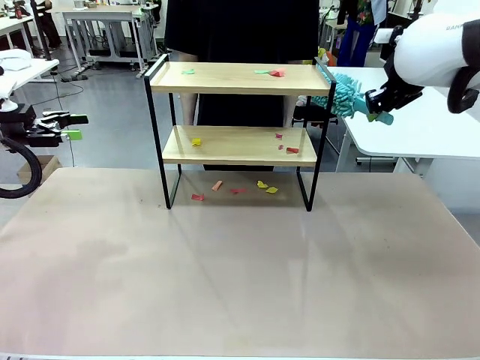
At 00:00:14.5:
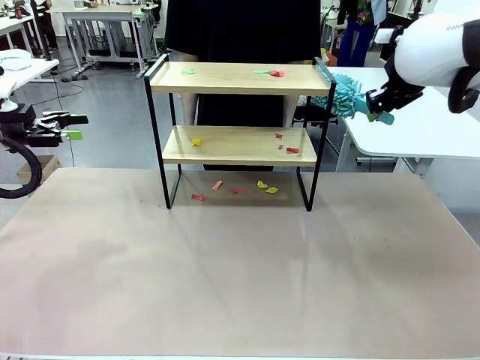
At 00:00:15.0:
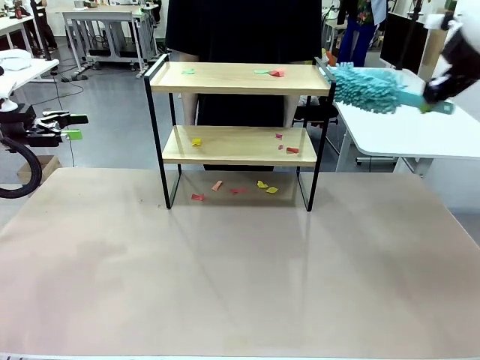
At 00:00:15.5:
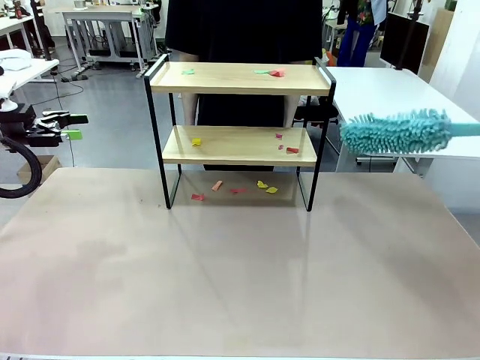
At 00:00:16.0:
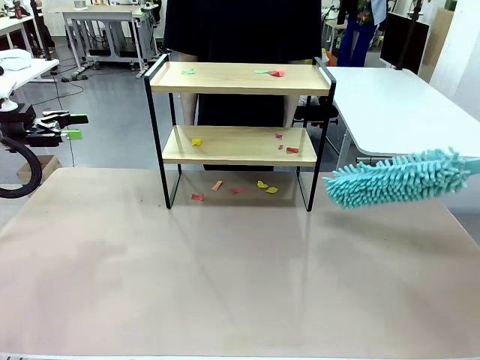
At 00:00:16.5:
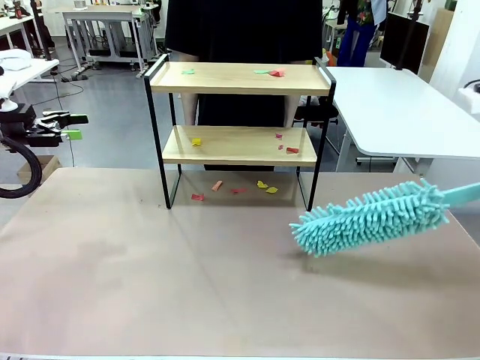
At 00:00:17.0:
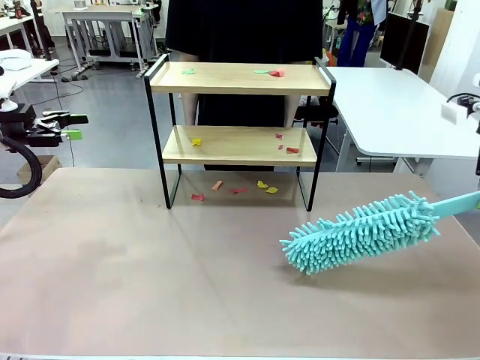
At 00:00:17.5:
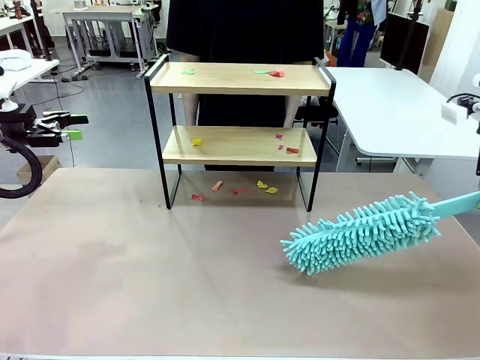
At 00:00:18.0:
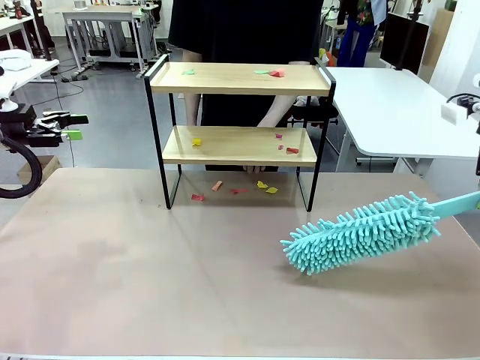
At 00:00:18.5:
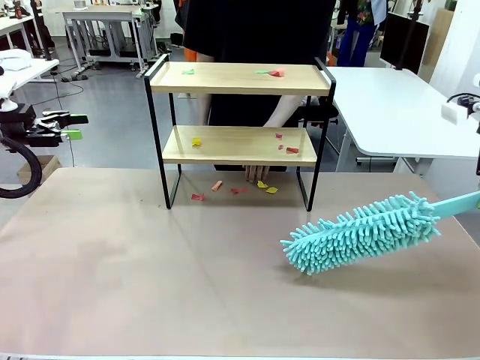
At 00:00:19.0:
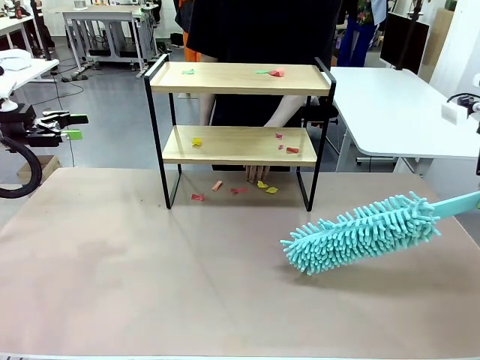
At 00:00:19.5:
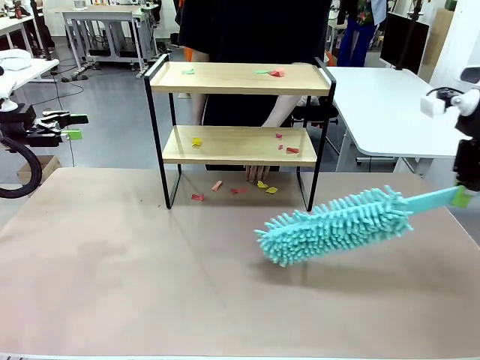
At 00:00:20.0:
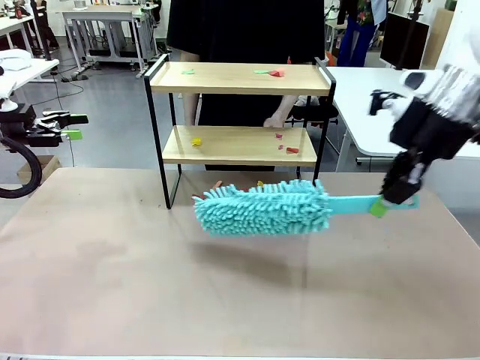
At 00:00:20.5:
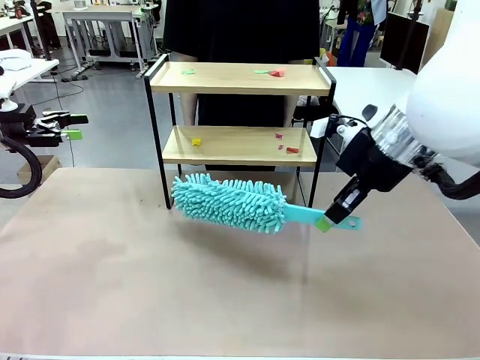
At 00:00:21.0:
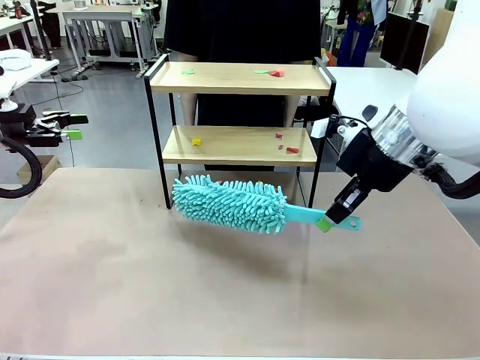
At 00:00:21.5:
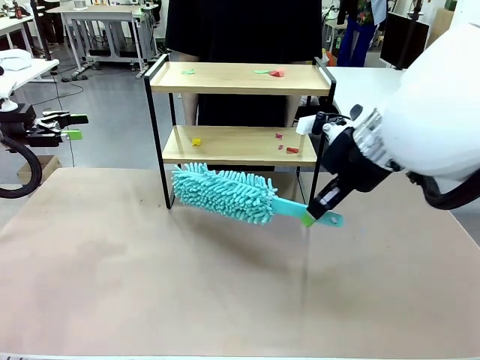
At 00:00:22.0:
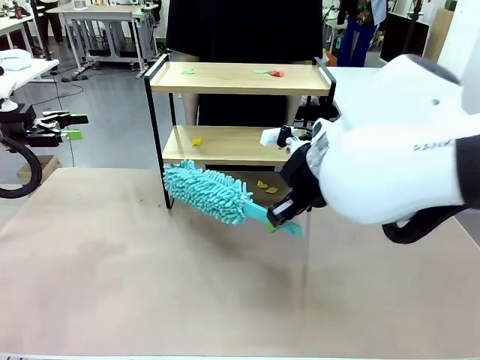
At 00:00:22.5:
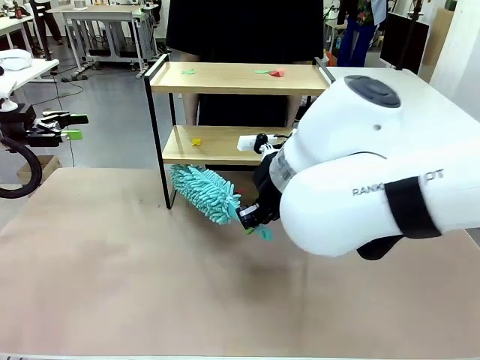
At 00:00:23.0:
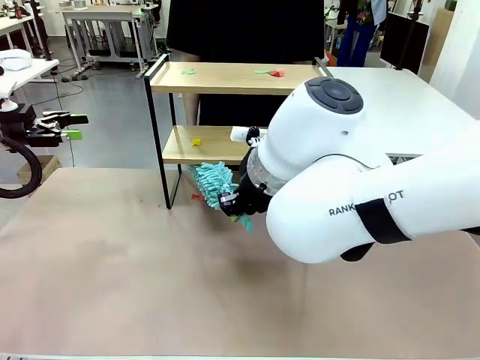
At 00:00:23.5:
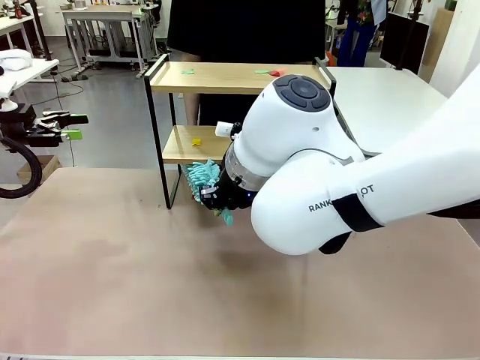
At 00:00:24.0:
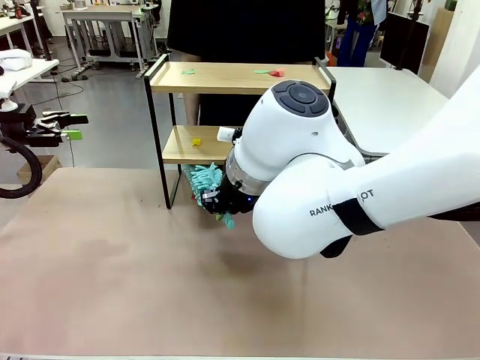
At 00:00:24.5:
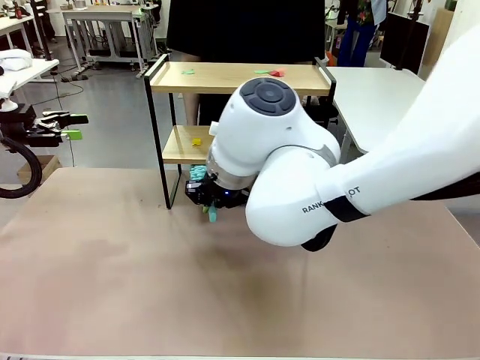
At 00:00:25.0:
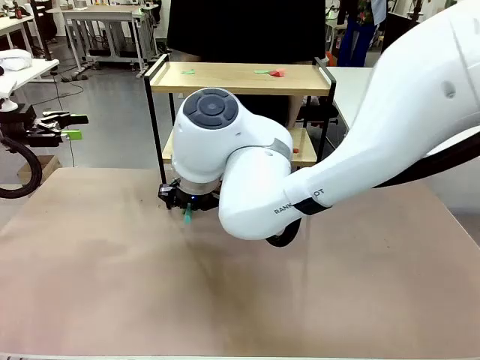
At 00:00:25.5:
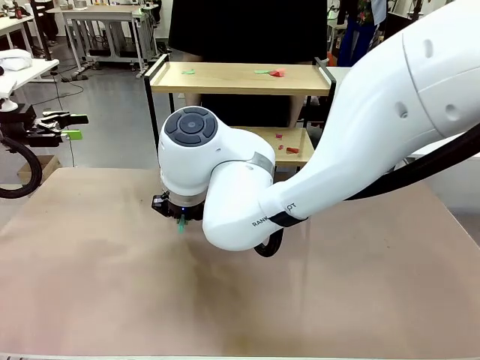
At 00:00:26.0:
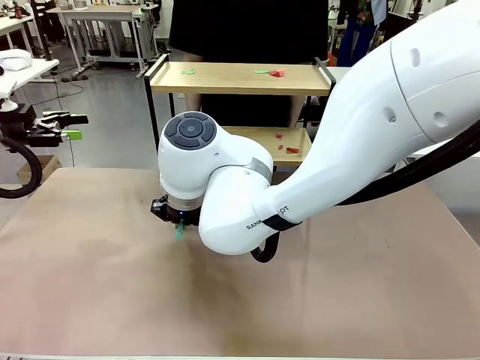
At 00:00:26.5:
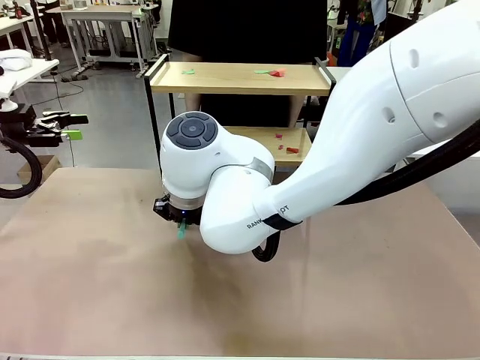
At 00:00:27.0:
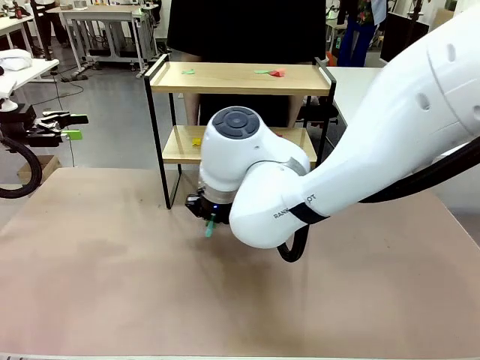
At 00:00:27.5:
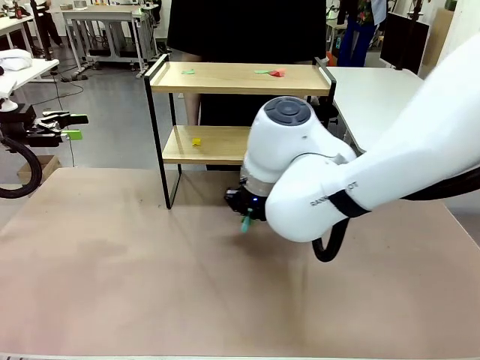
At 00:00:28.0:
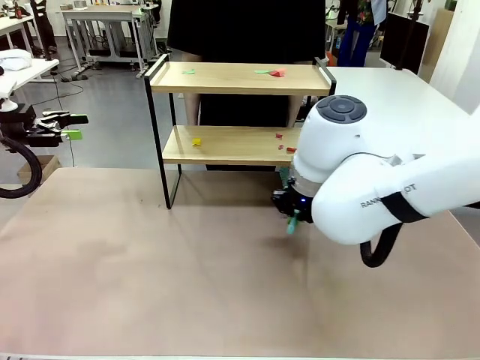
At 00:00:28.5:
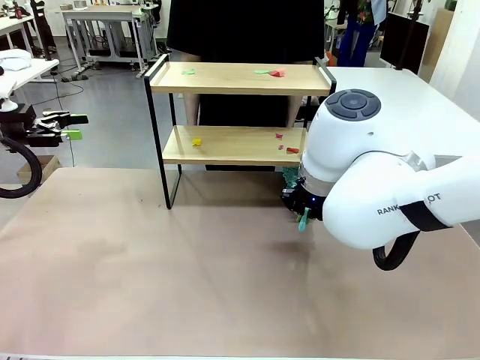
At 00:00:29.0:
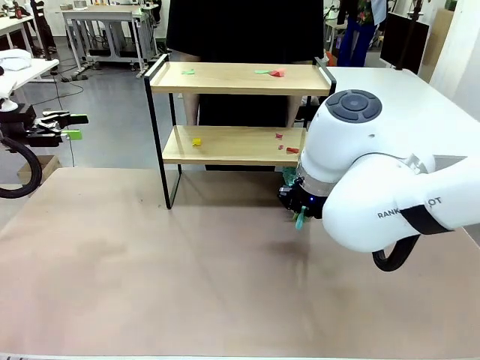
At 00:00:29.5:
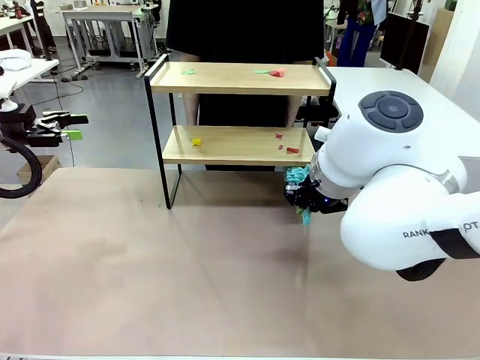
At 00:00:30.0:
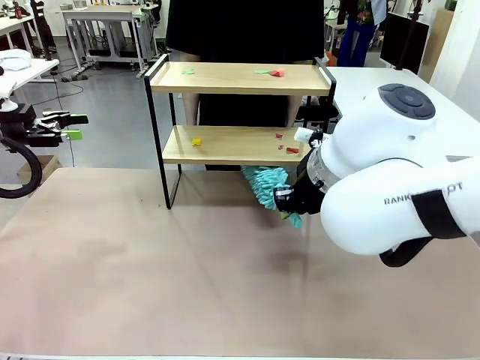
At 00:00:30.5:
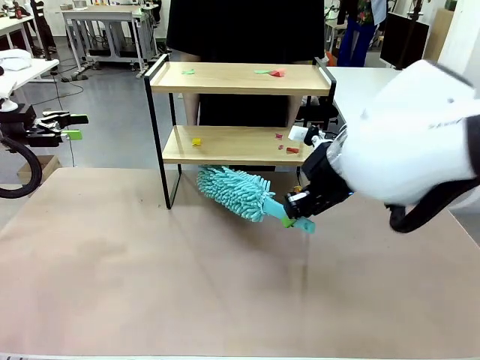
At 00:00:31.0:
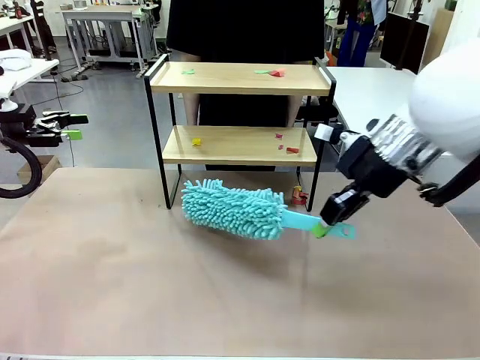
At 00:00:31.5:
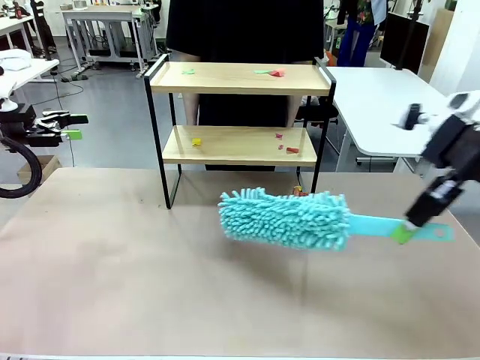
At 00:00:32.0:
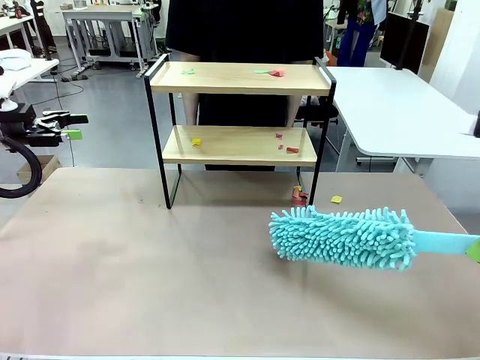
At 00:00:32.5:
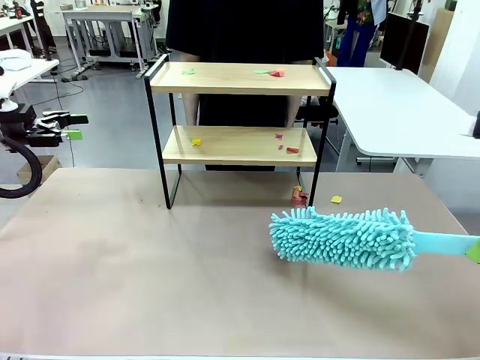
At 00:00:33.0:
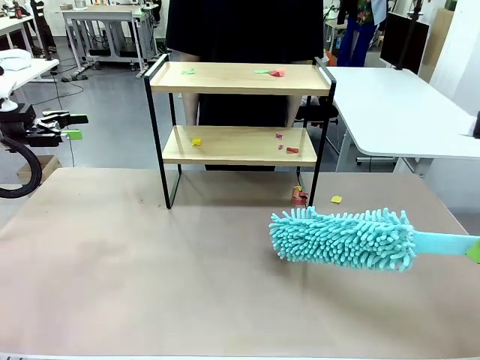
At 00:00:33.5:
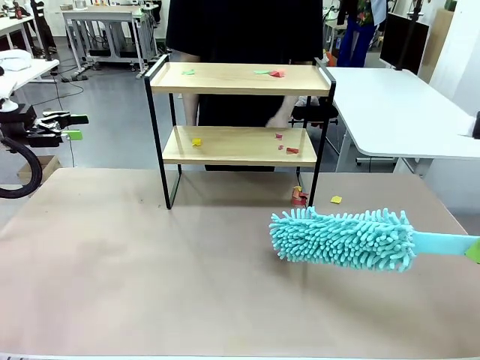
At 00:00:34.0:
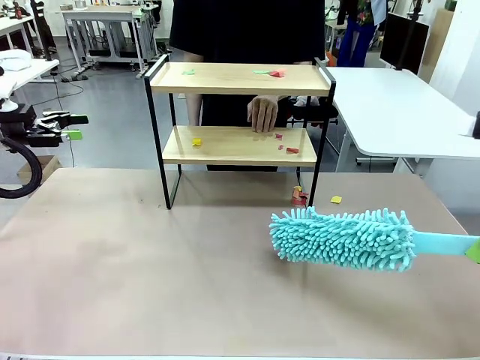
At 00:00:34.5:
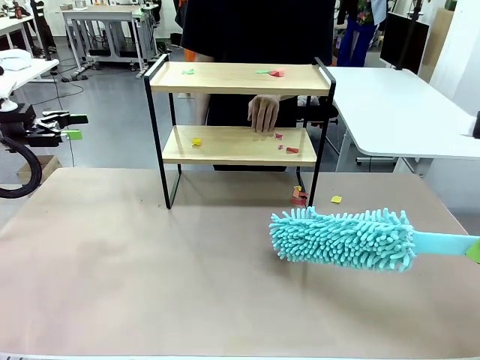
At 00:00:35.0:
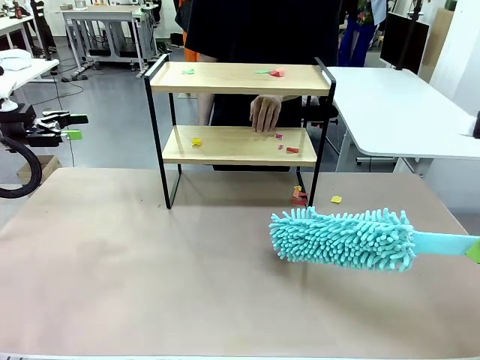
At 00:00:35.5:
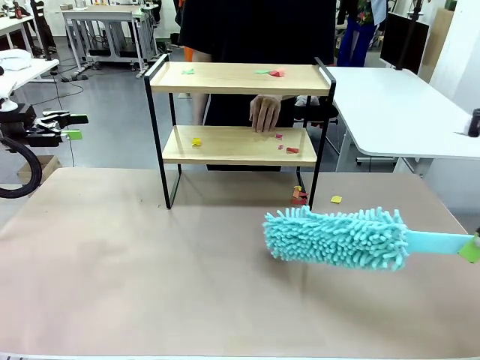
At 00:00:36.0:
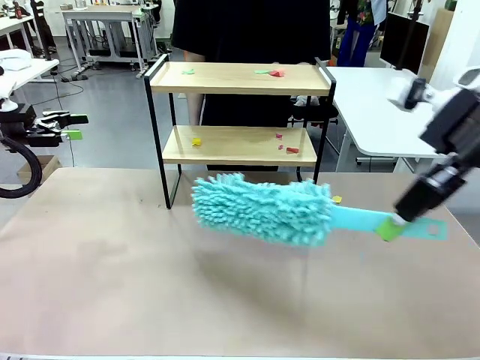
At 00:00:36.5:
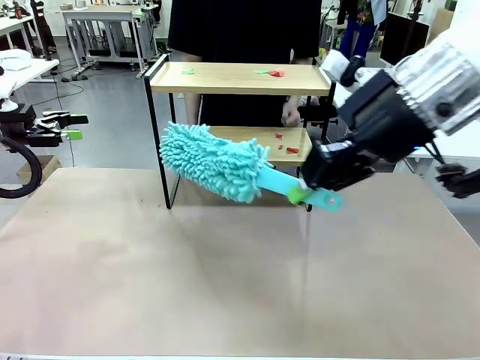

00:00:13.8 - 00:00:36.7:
Task: Clean the shelf.
Robot: Clean the specific section of the Shelf indicated by the human with the Duster.
Person: Point a random section of the Shelf.
